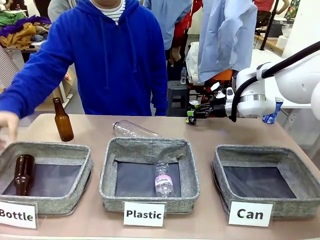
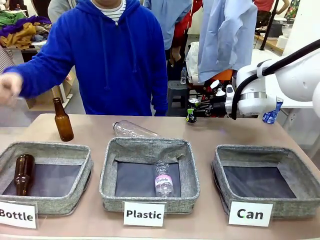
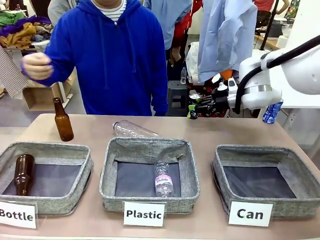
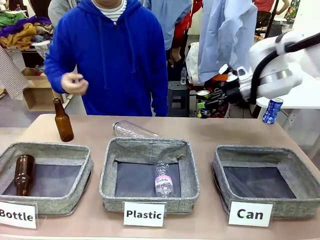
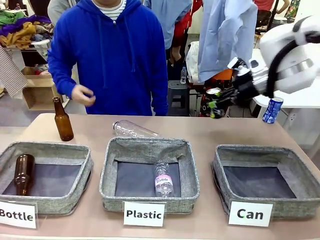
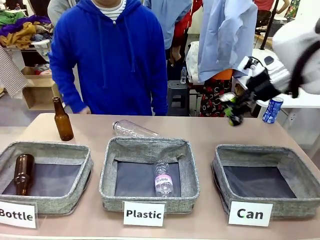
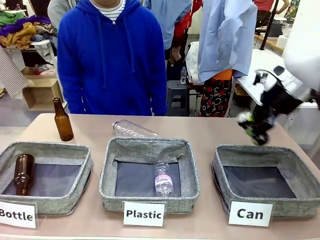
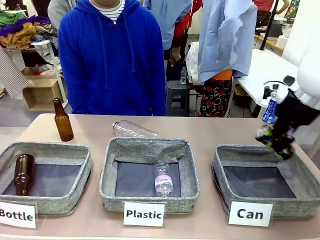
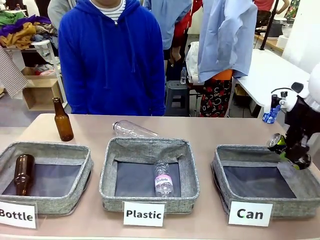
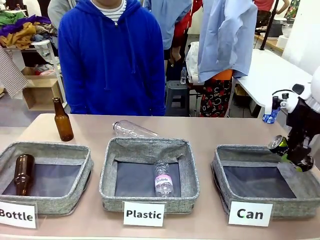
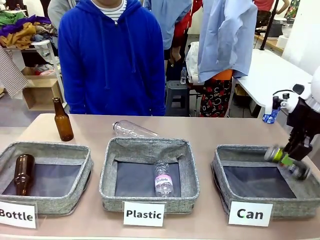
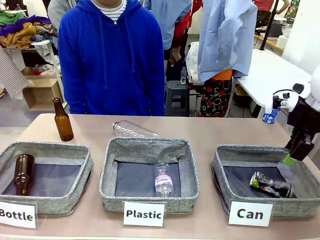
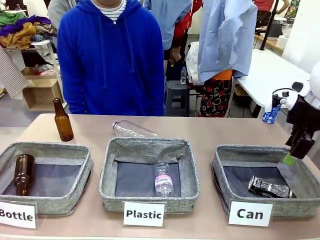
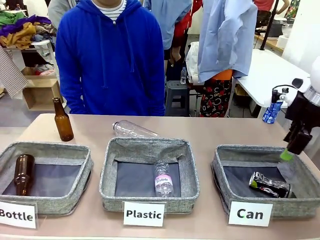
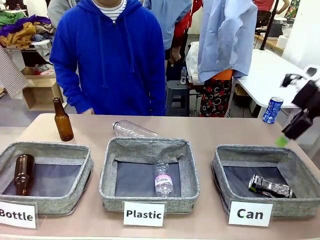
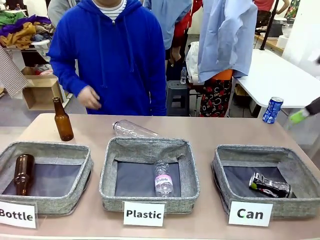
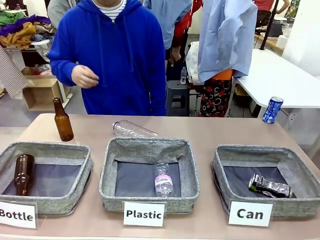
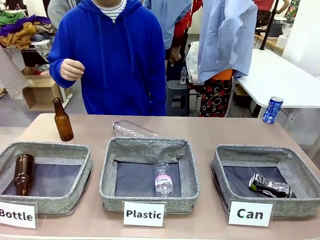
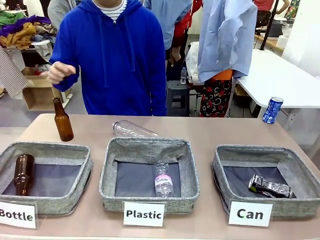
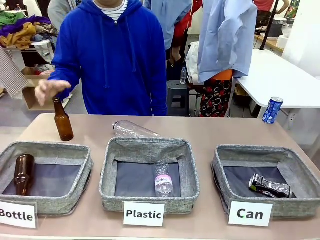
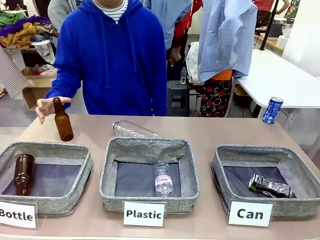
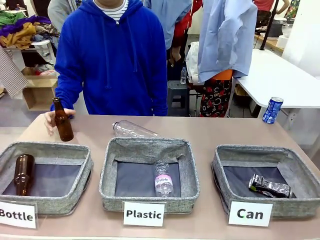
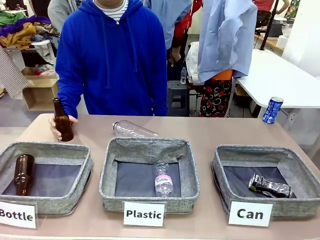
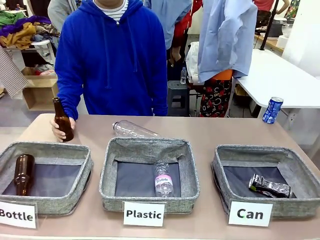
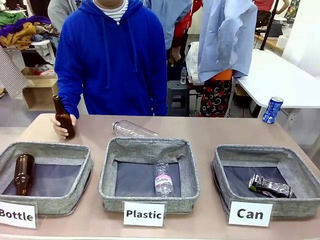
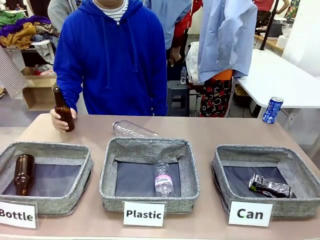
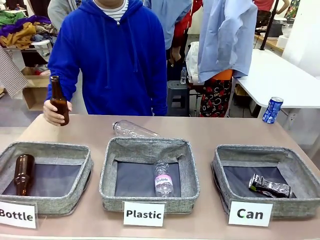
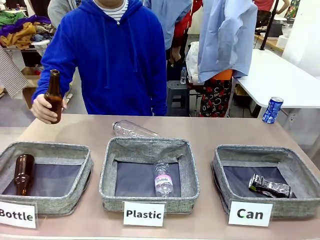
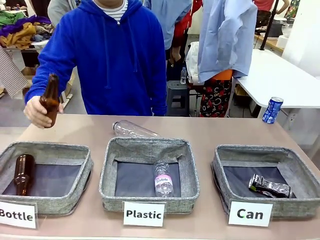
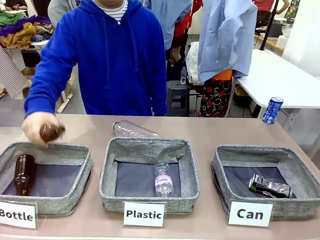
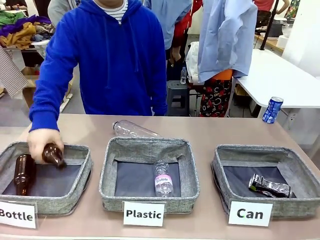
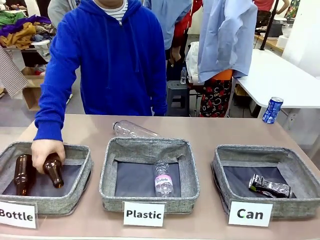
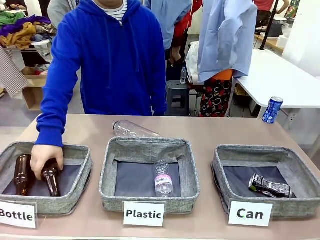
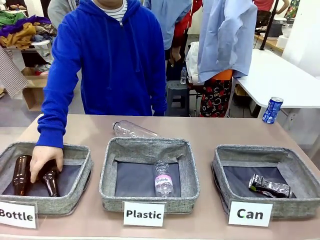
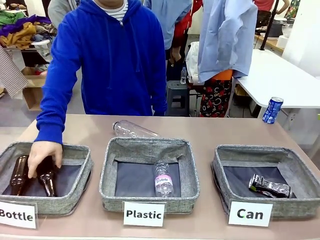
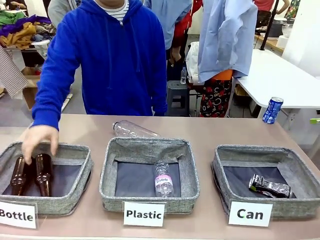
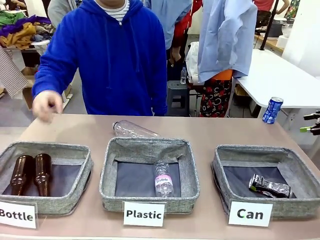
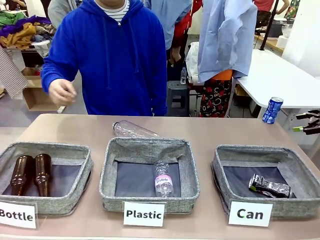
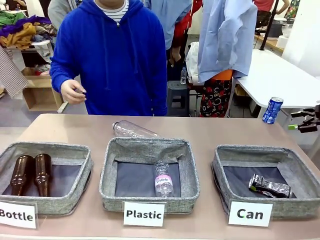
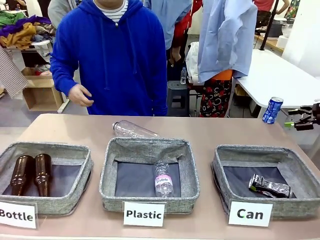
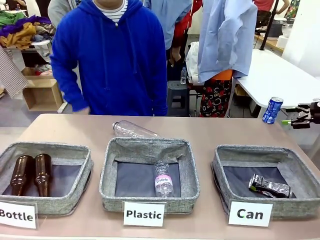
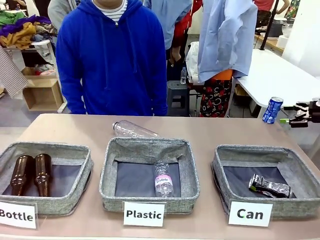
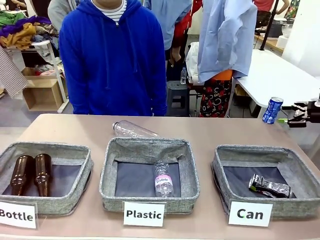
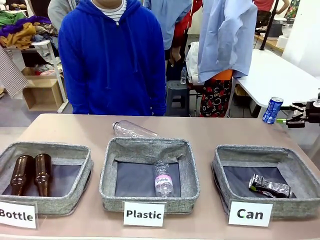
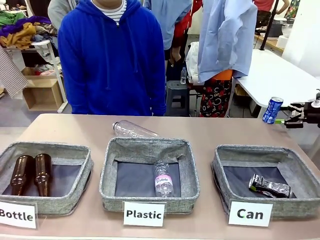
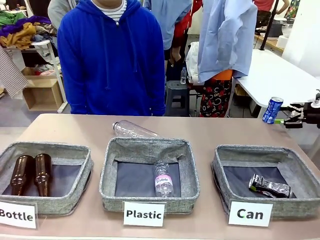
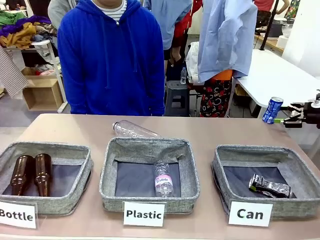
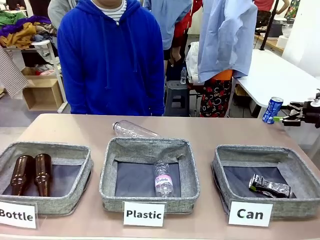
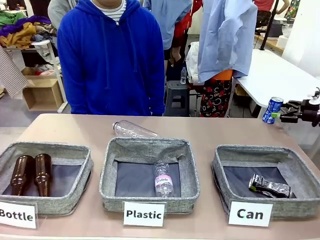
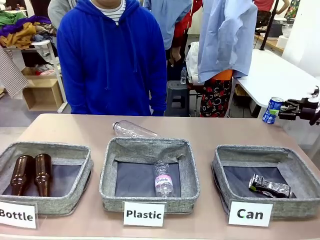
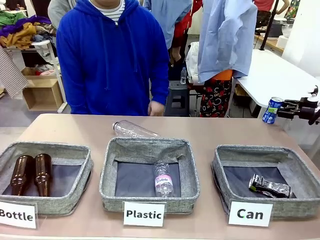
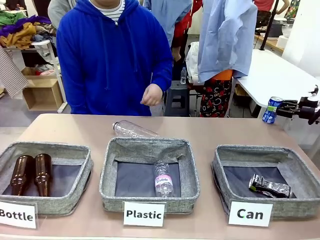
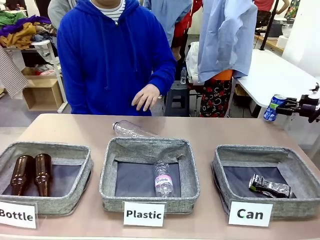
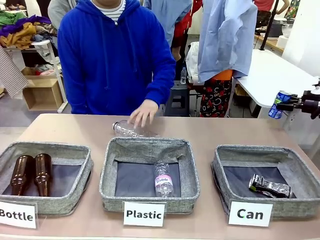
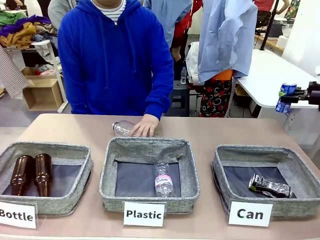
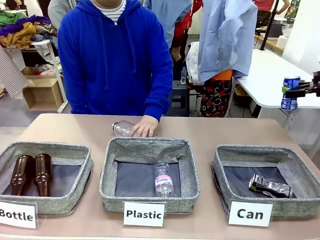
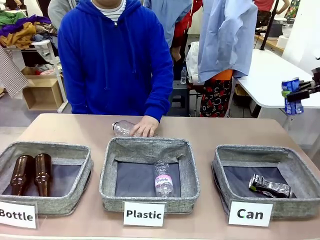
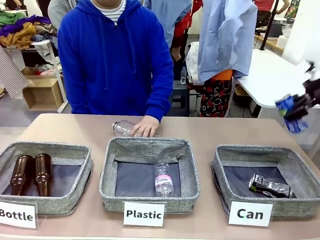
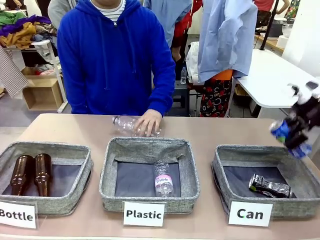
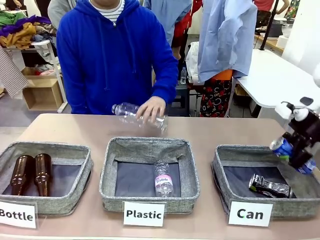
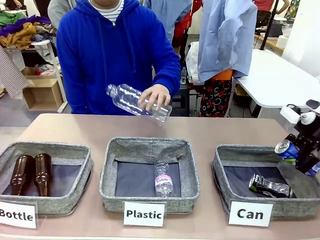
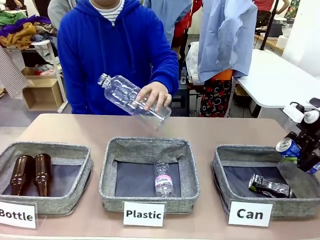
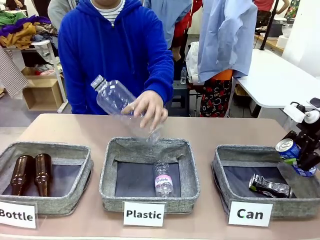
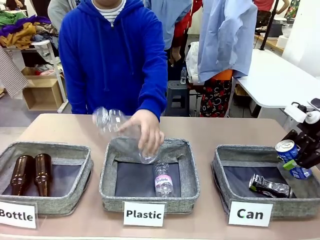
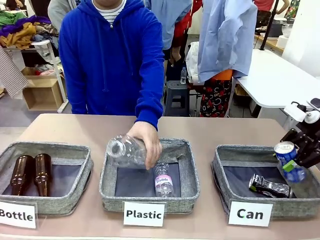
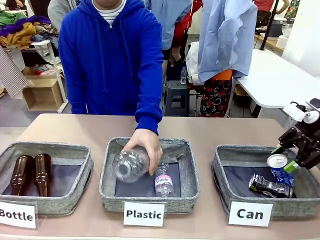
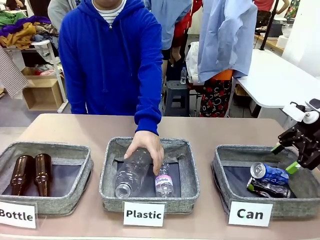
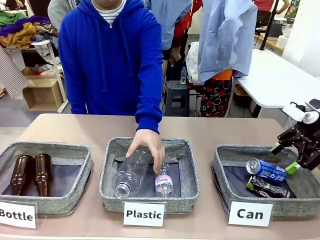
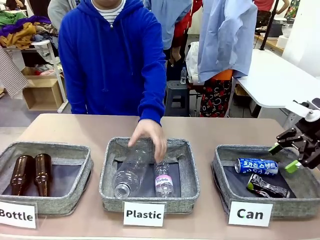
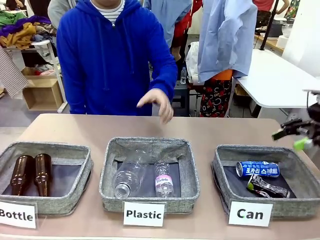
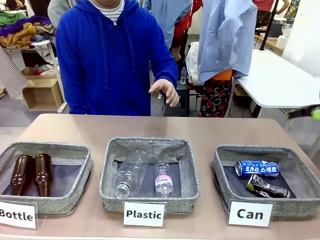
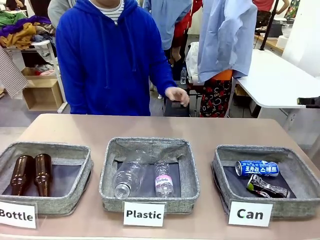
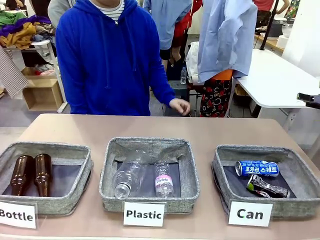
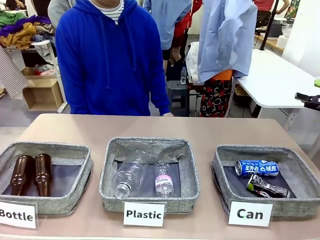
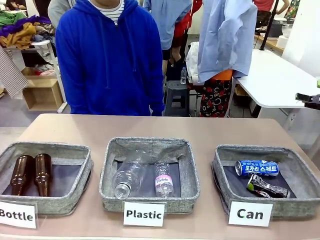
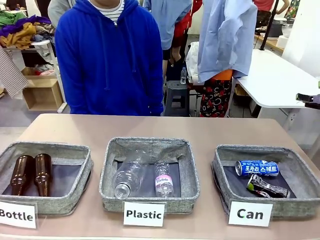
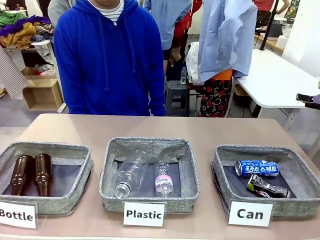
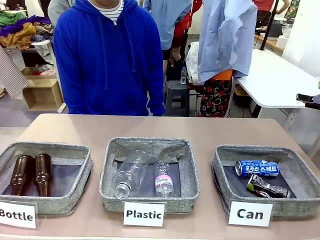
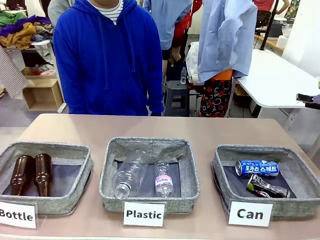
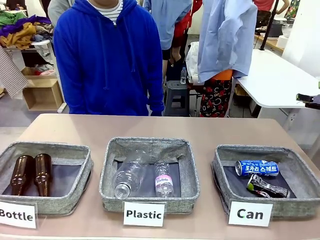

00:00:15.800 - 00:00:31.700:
Task: Sort the can waste into the basket.
Robot: Pick up the can waste from the table and place it in the right Fabric basket.
Person: The human picks up one piece of trash that is not a can and places the trash into the appropriate organizing basket.
